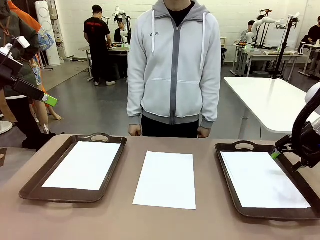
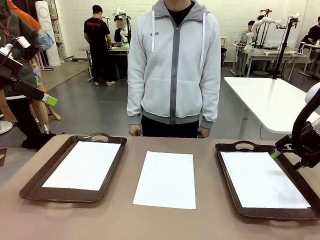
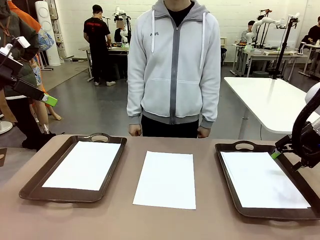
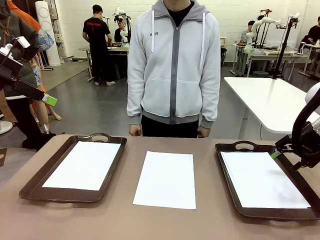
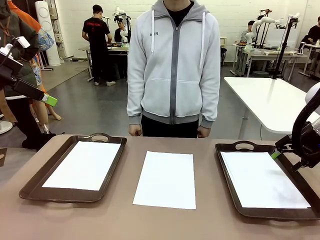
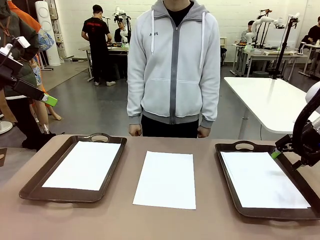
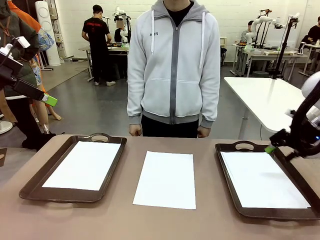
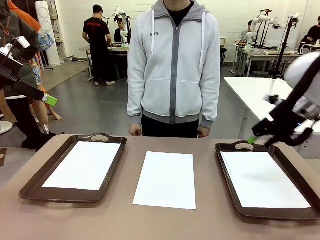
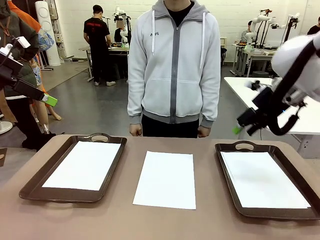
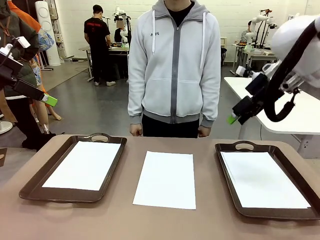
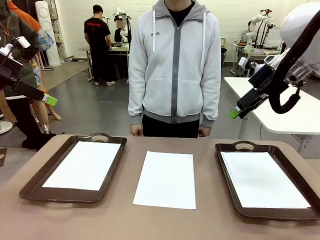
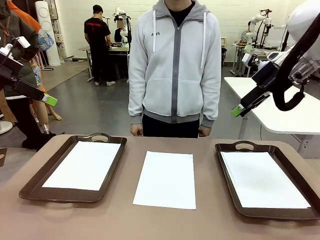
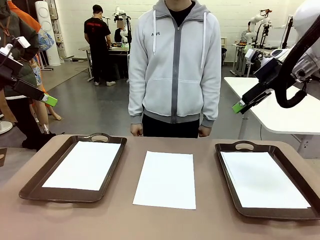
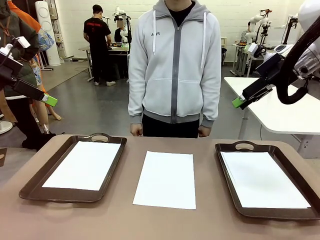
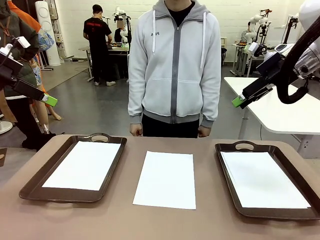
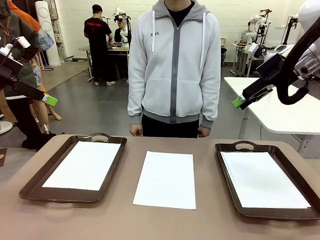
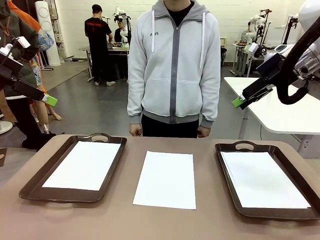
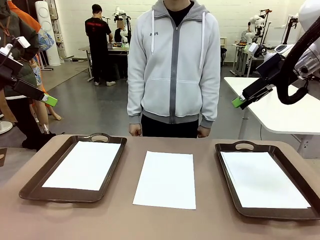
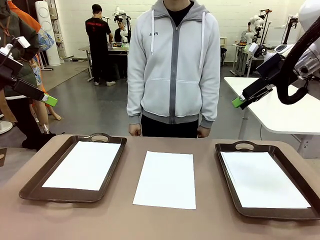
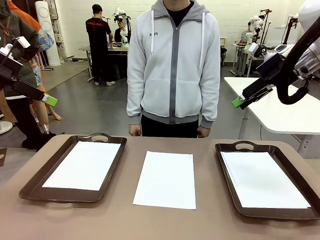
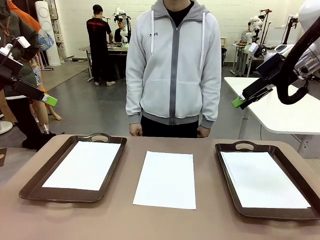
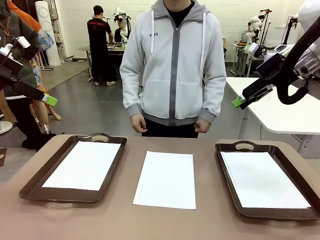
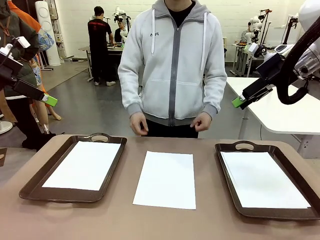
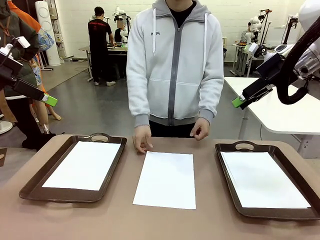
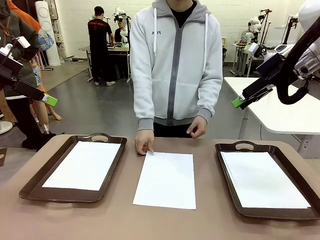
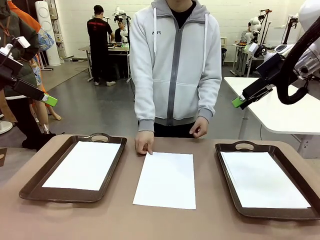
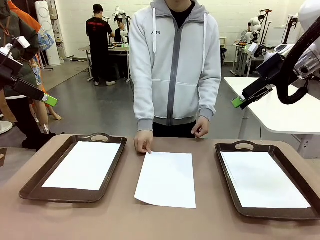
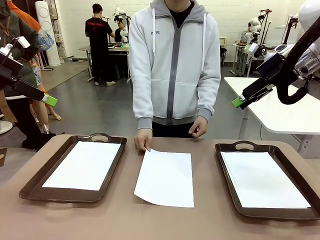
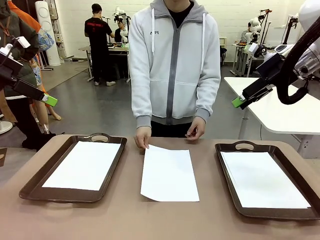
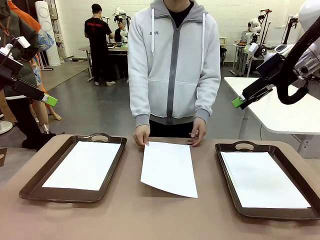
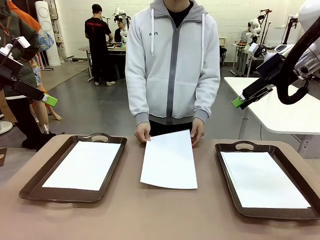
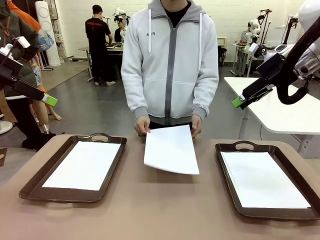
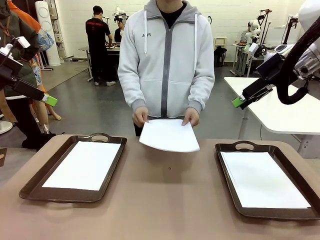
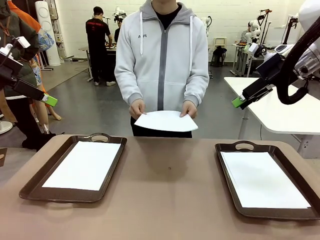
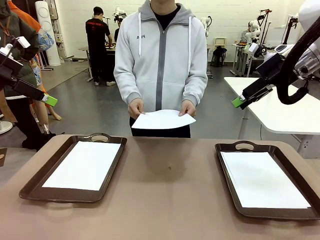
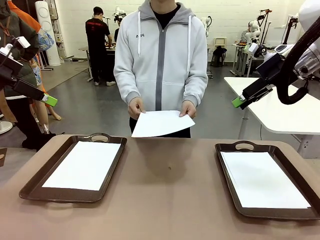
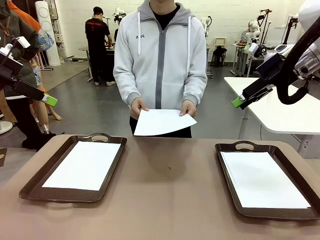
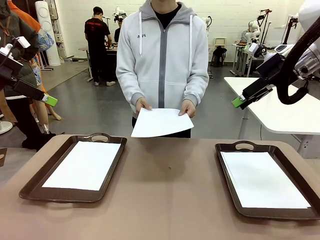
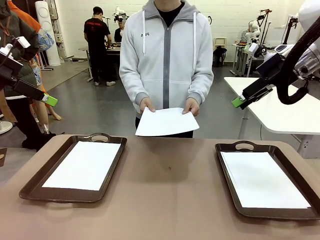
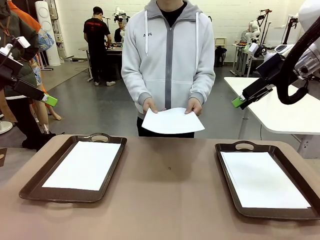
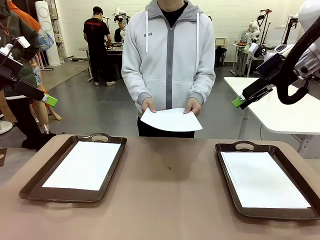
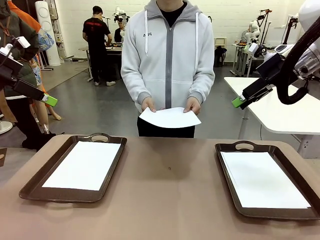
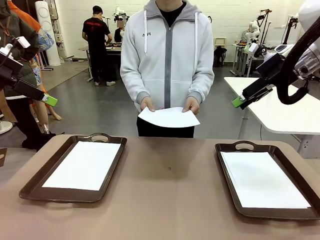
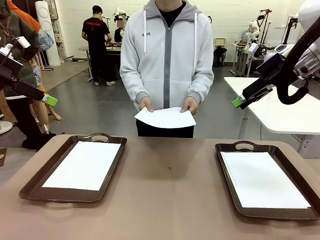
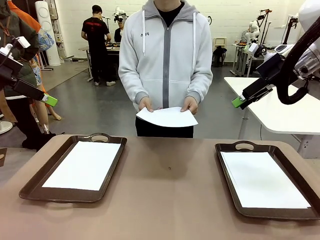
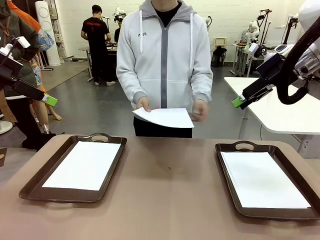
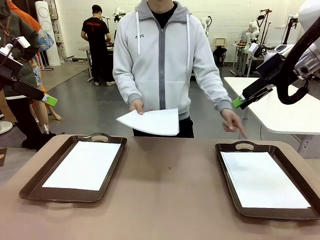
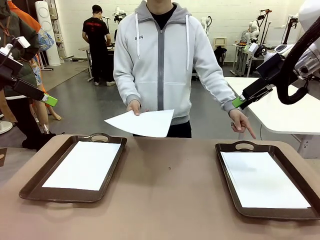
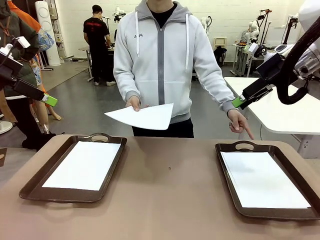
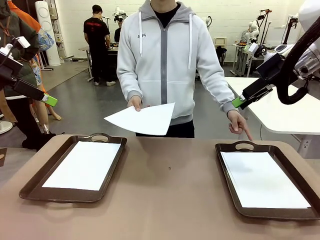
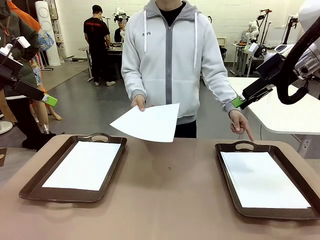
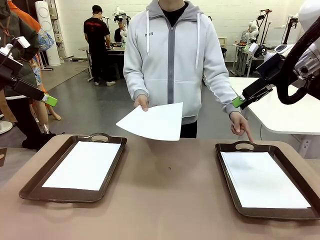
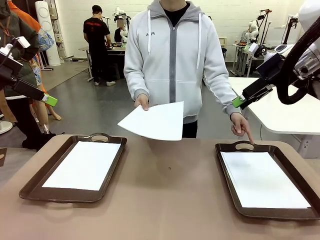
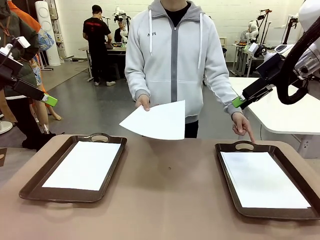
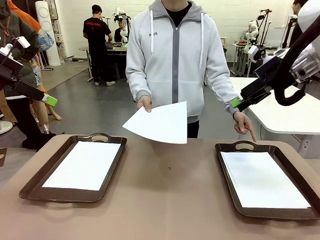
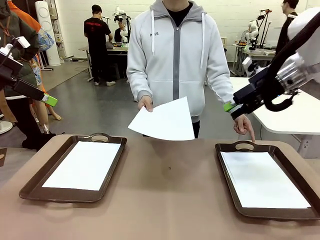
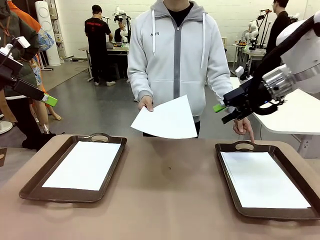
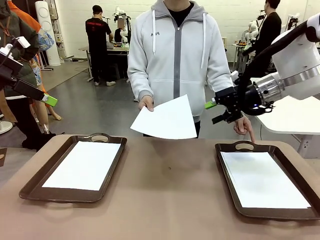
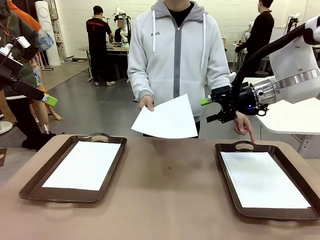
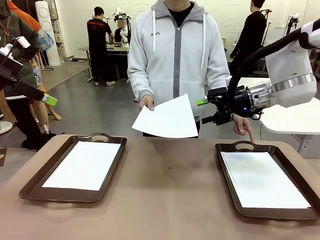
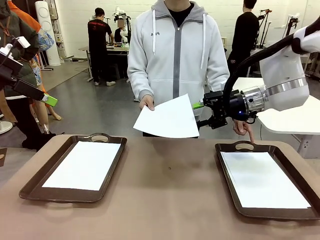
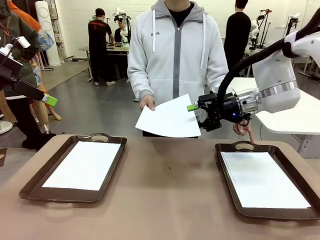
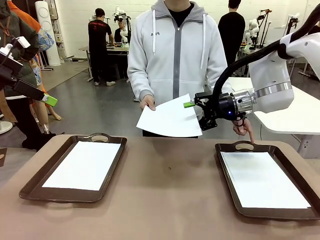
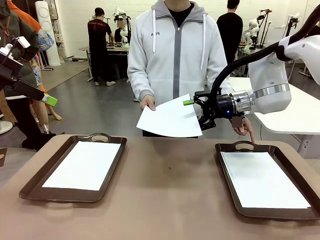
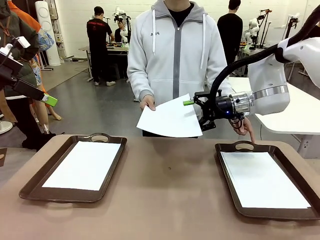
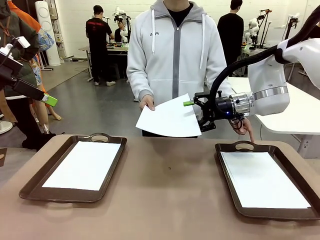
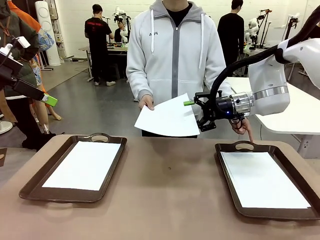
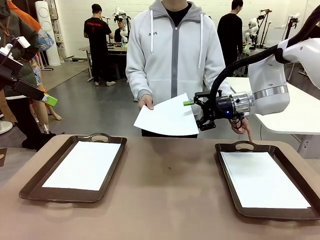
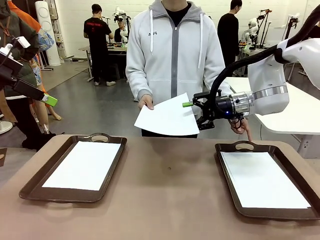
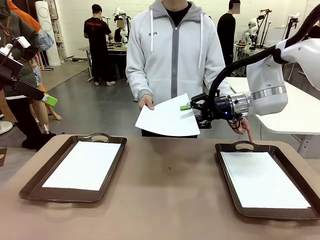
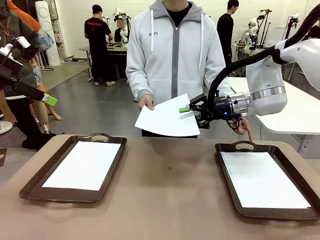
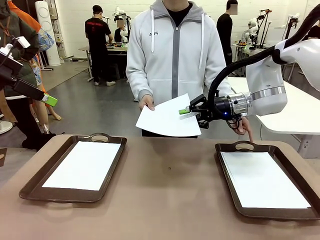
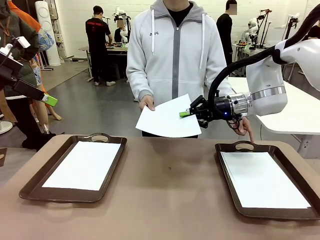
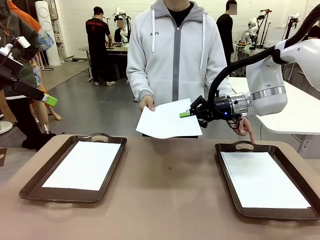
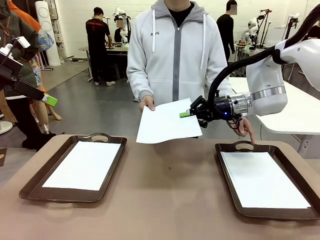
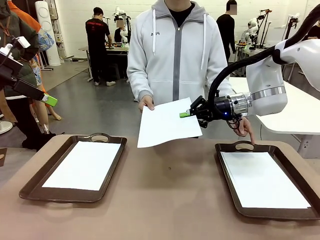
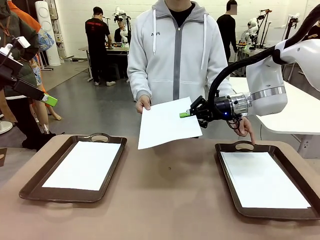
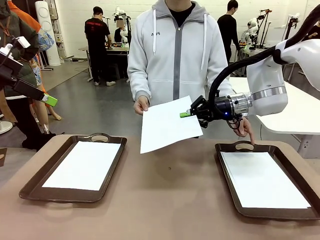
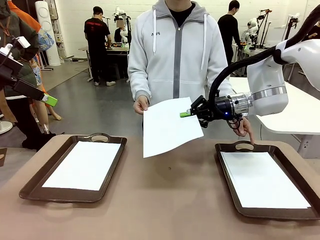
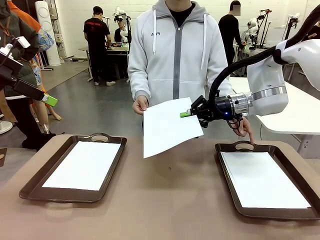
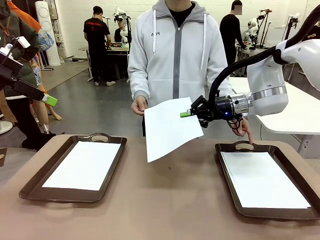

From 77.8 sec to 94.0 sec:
Task: Sort the A4 documents.
Robot: Receive the A4 Paper.
Person: Point the randomly selected tray with the other hand.

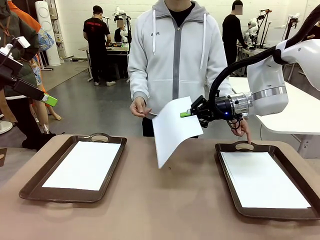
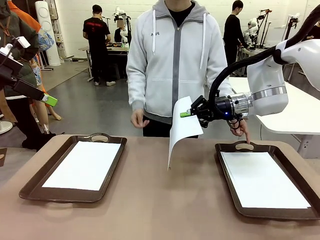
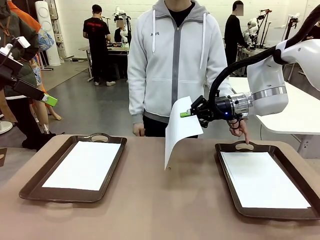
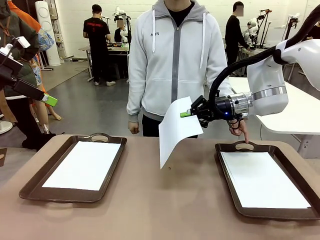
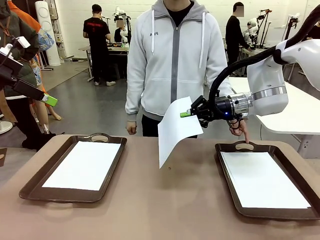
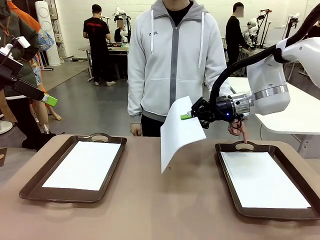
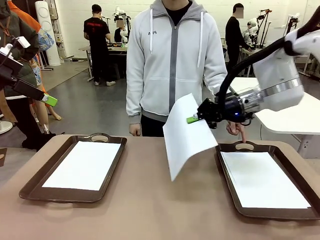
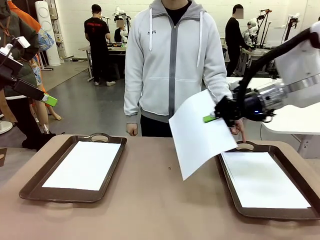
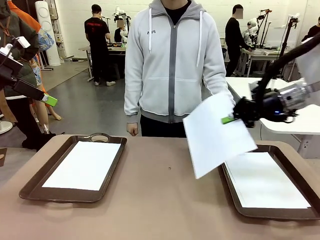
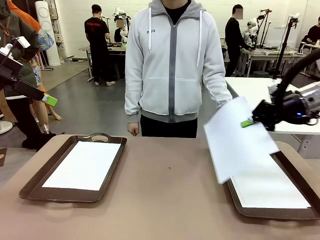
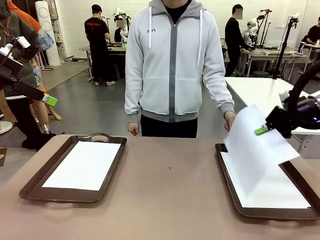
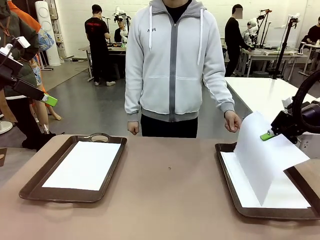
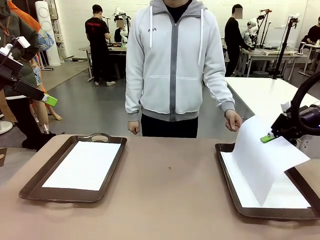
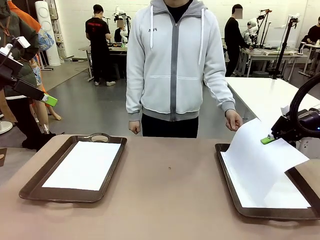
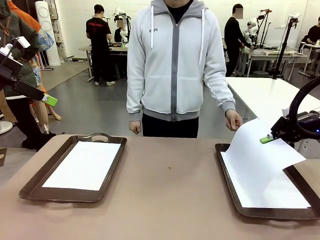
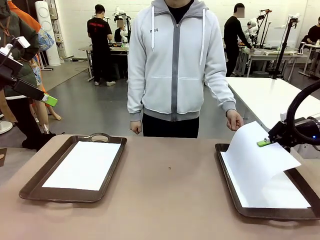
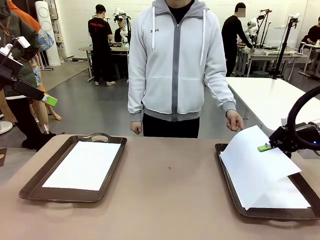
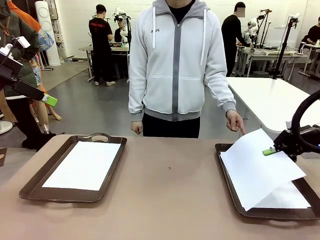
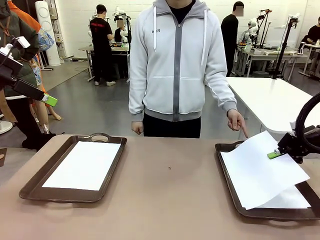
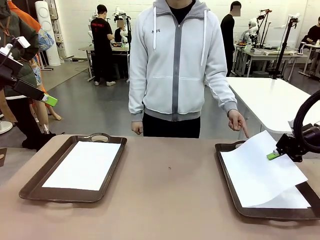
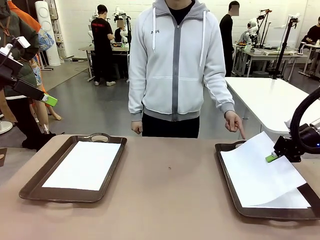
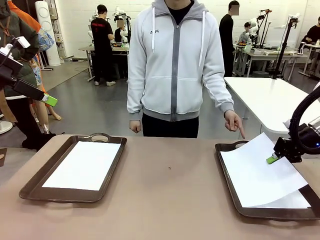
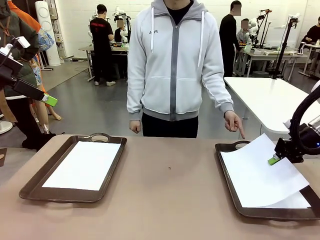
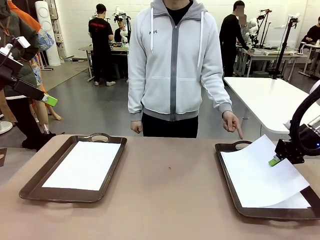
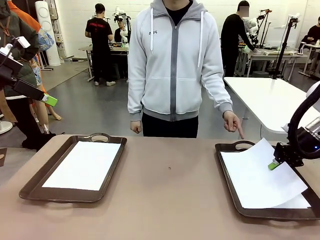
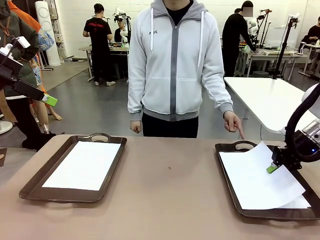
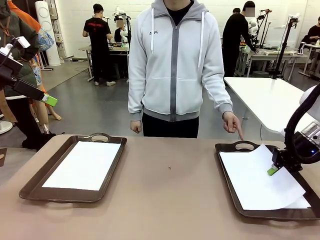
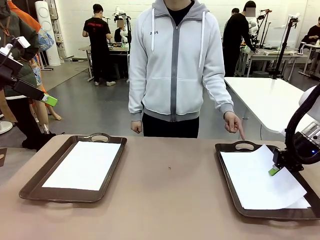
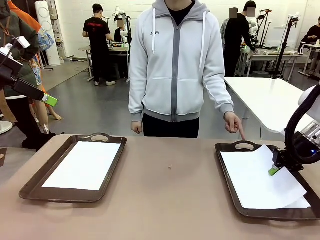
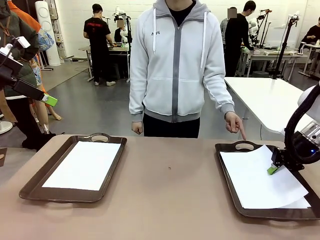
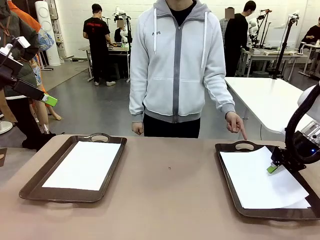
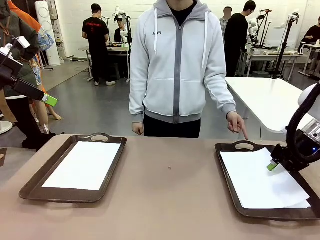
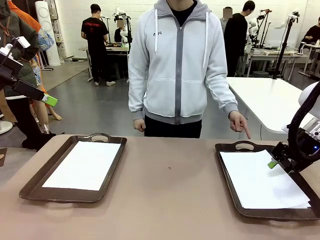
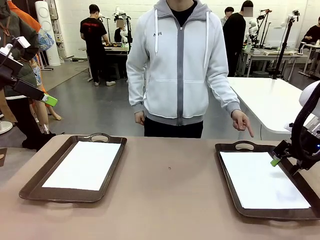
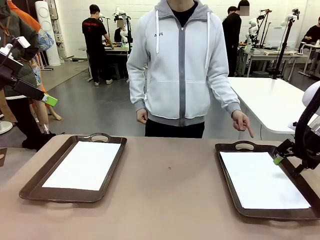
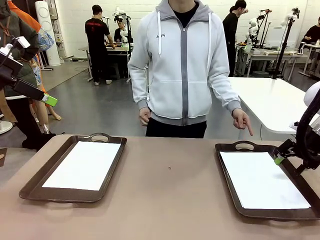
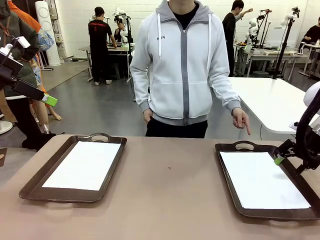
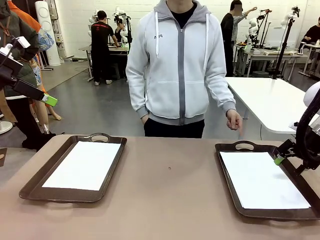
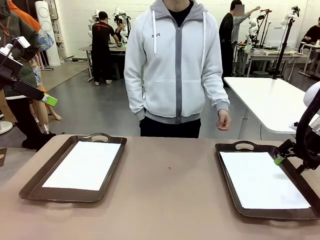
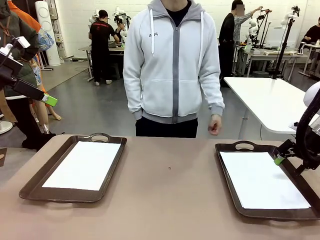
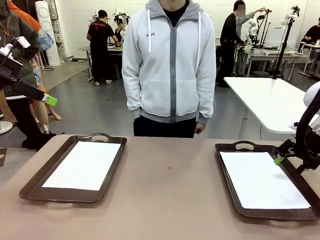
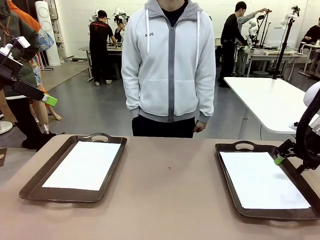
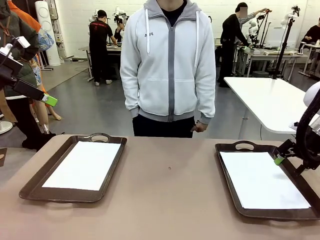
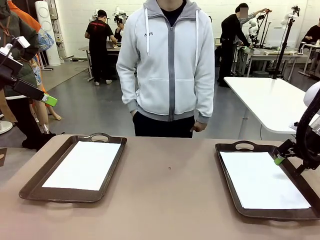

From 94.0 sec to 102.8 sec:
Robot: Place the A4 Paper in the designated Handle tray.
